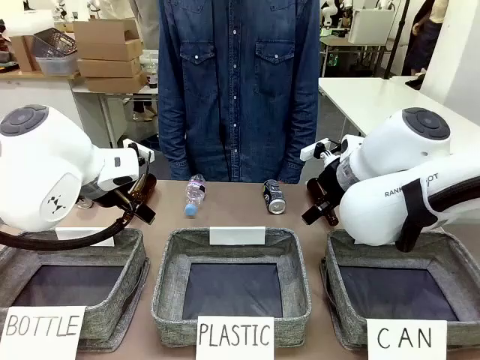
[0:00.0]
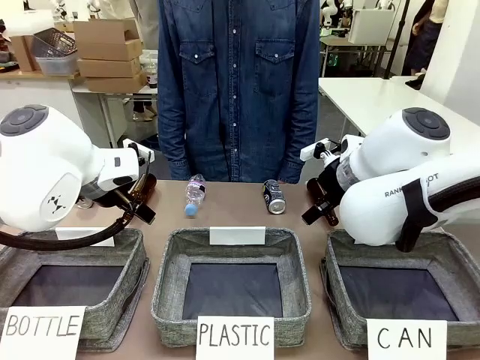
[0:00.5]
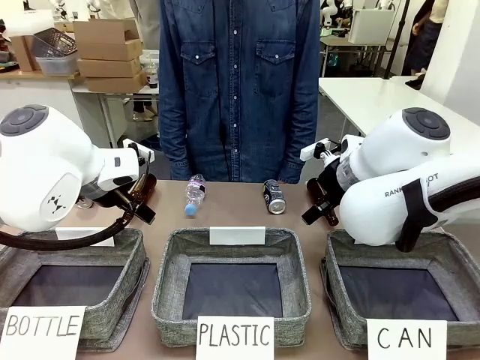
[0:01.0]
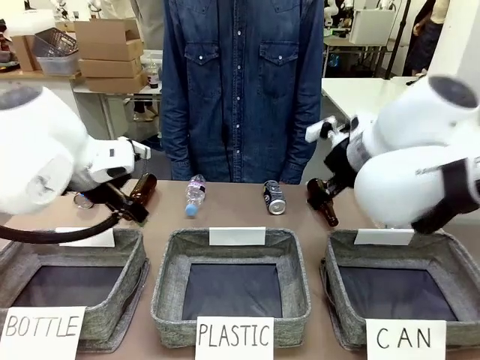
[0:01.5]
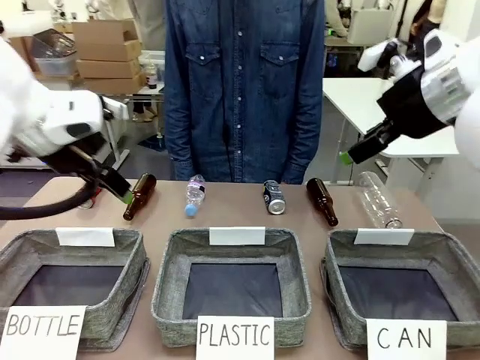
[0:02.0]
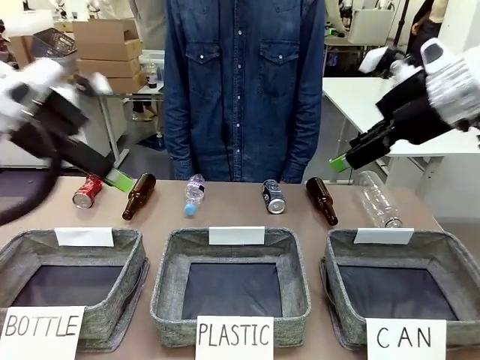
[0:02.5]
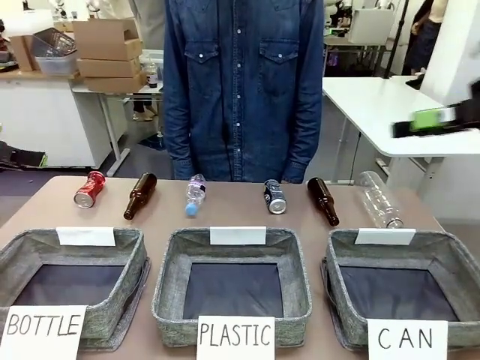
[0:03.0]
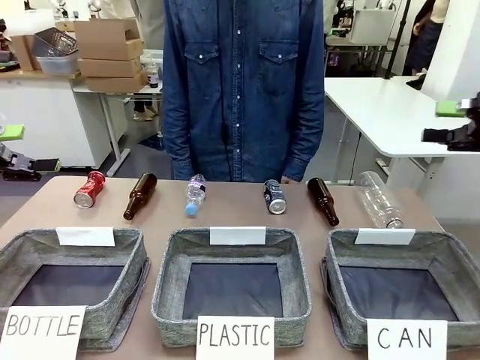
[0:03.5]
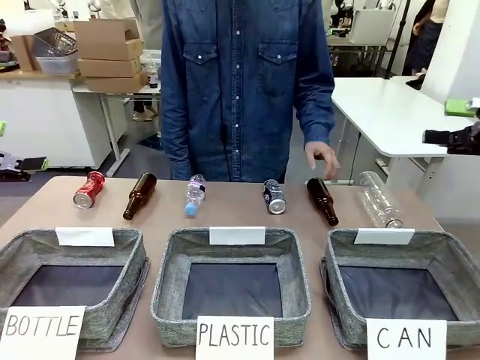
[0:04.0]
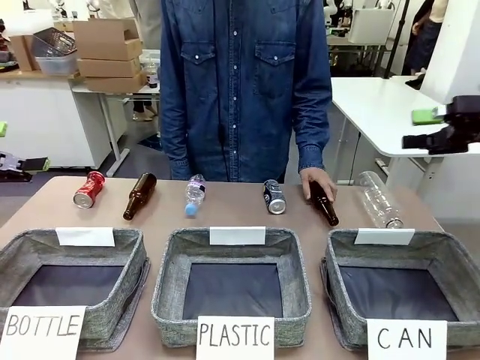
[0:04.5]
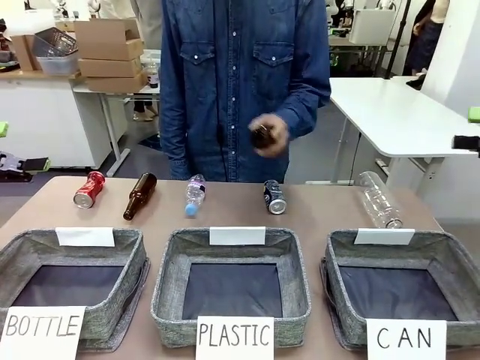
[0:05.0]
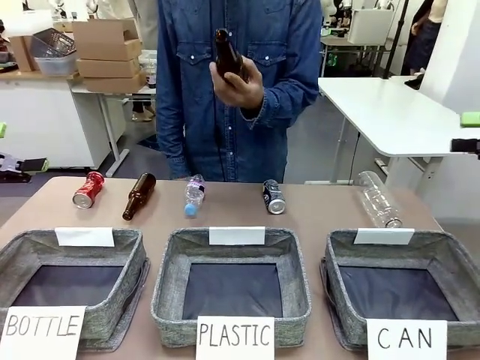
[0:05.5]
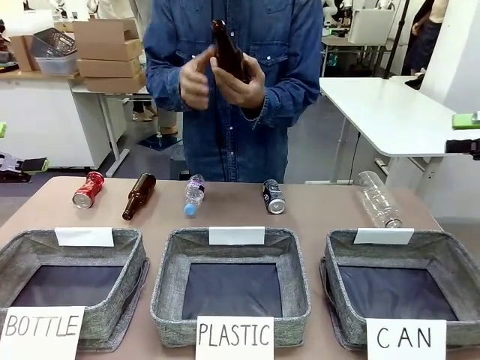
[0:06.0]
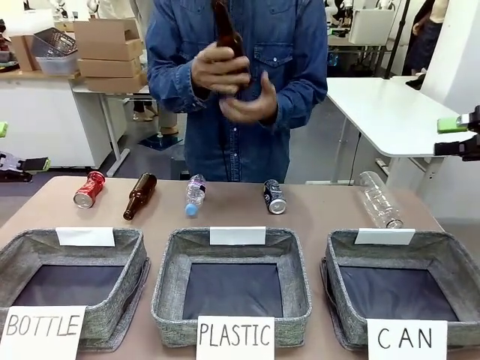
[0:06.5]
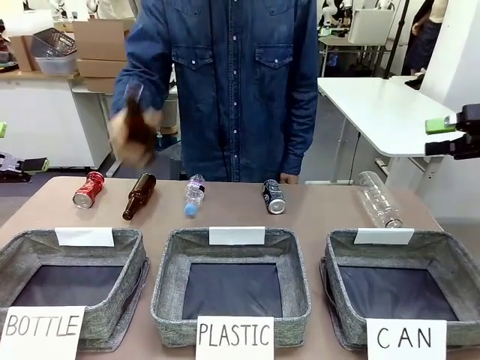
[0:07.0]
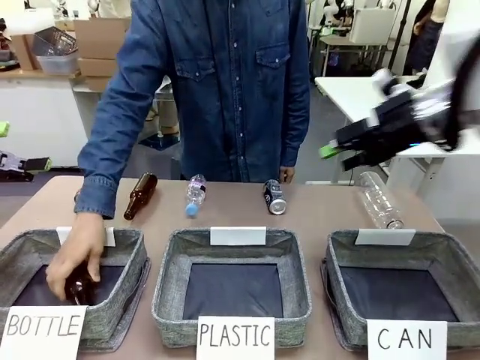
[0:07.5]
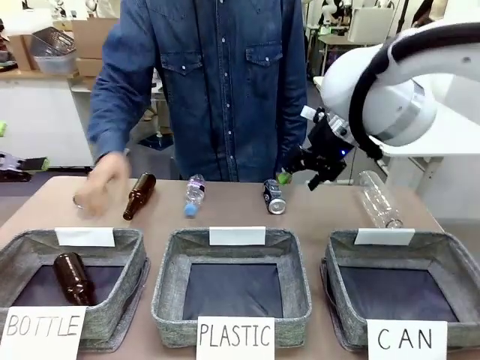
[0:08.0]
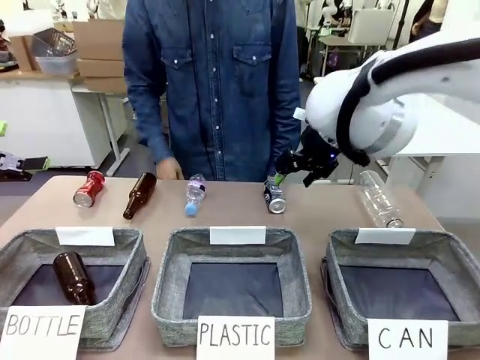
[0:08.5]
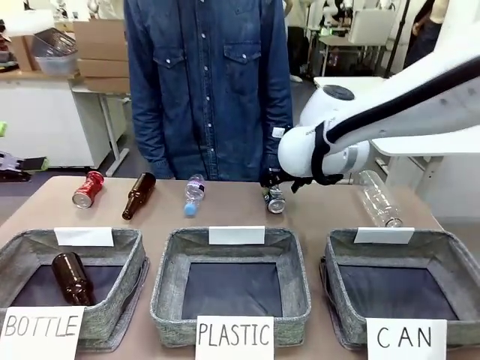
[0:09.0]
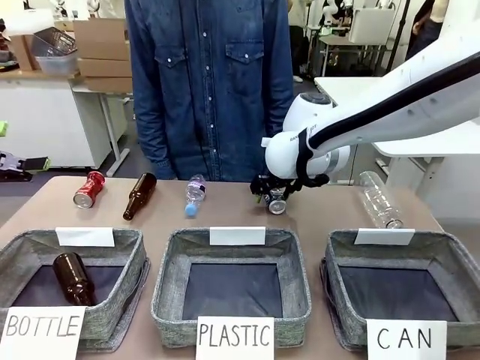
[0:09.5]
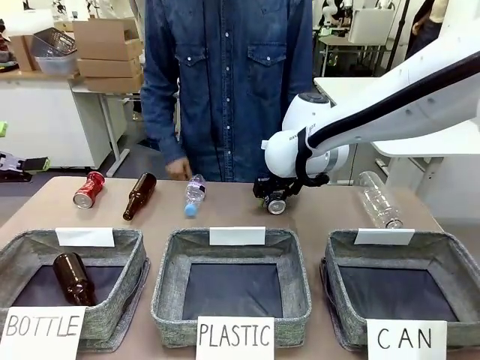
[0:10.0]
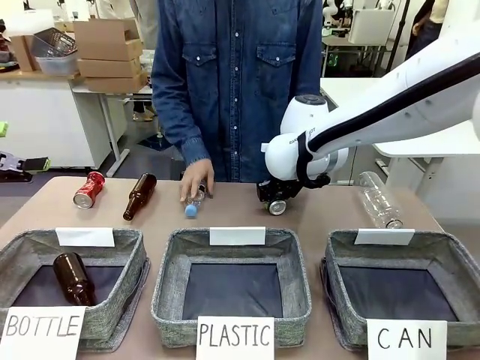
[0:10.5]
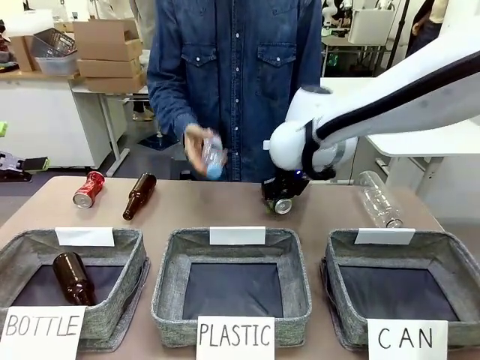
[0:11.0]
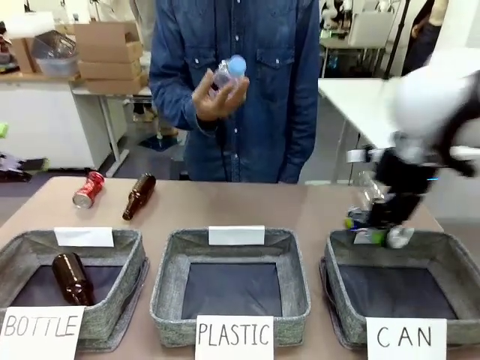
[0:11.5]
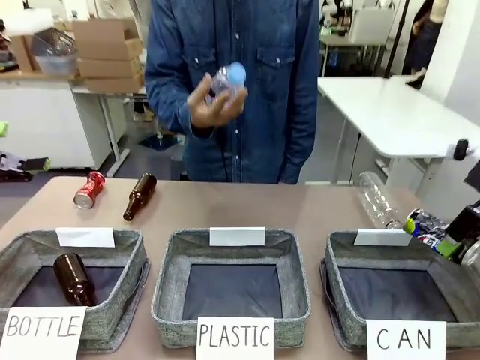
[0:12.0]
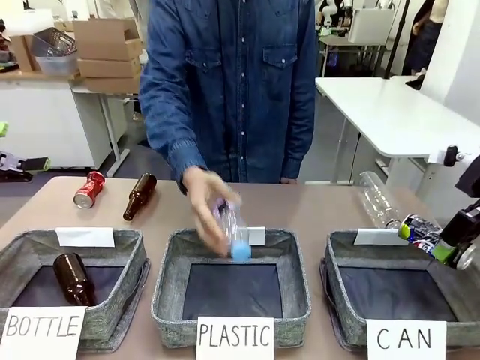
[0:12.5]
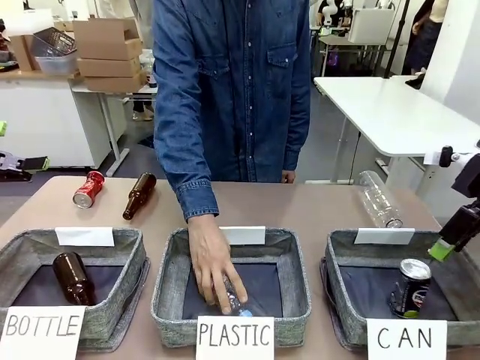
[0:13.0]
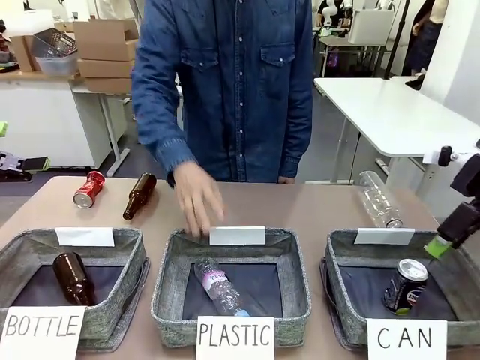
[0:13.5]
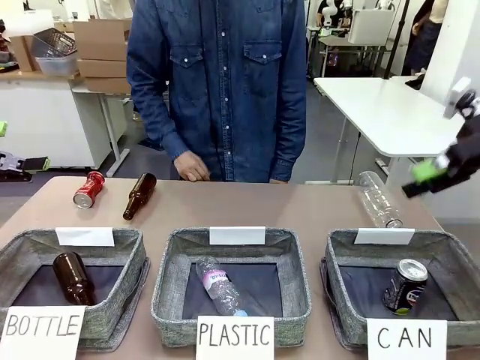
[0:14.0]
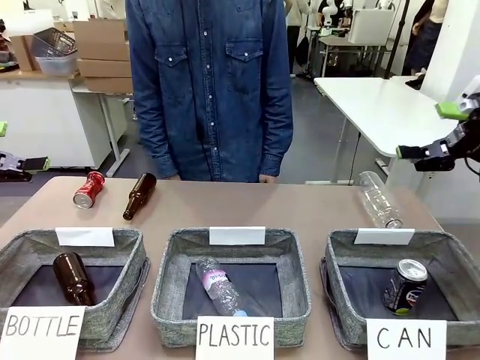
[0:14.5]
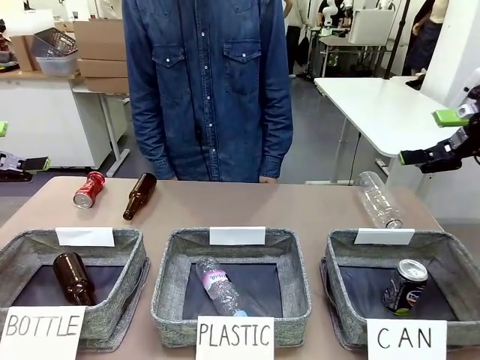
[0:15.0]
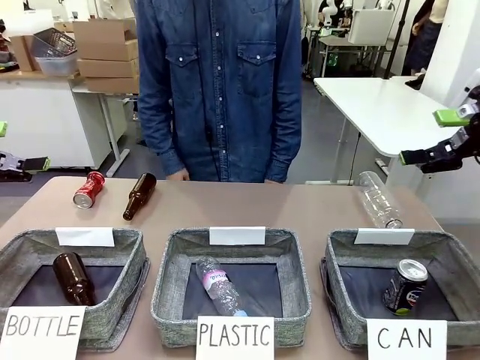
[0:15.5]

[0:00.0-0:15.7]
Task: Sort the can waste into the basket.
Robot: Pick up the can waste from the table and place it in the right Fabric basket.

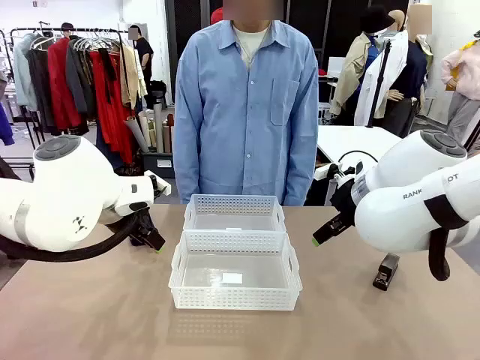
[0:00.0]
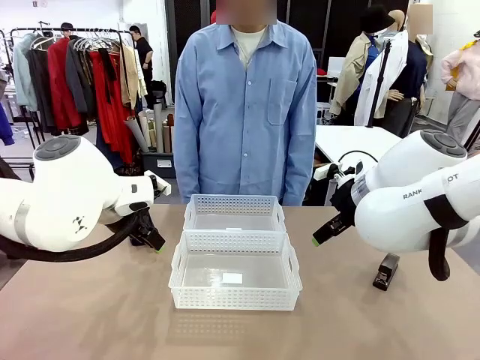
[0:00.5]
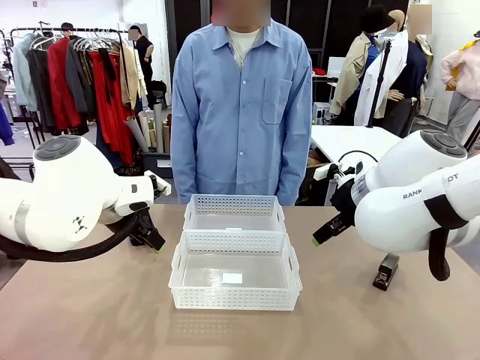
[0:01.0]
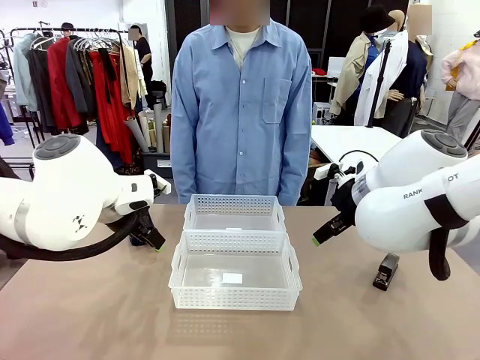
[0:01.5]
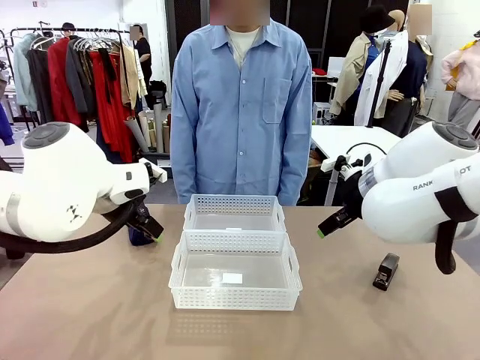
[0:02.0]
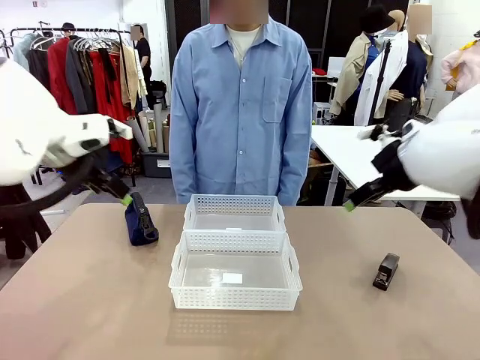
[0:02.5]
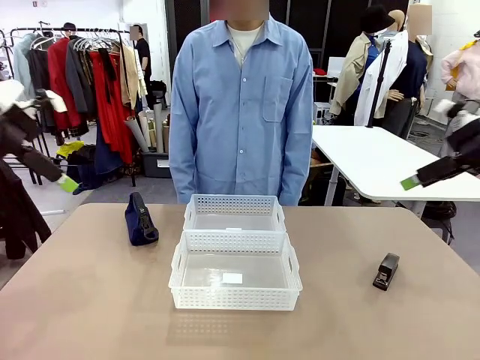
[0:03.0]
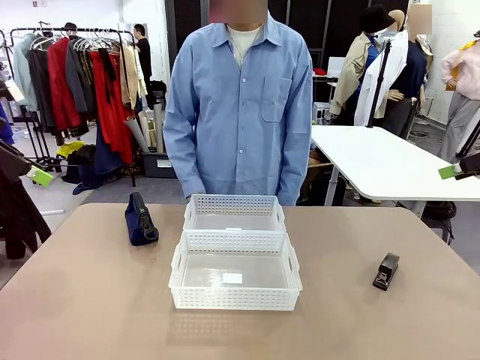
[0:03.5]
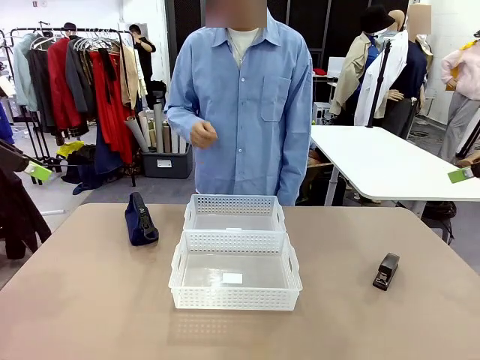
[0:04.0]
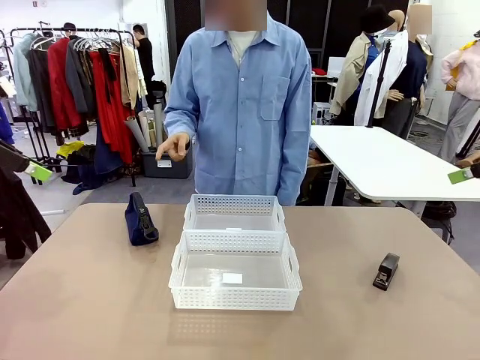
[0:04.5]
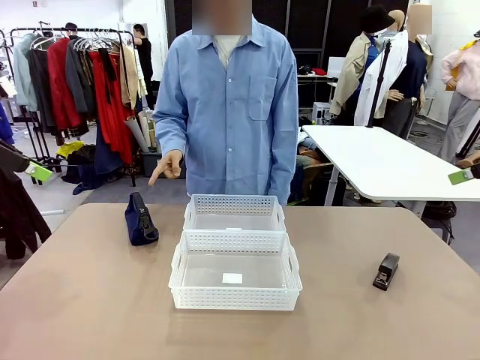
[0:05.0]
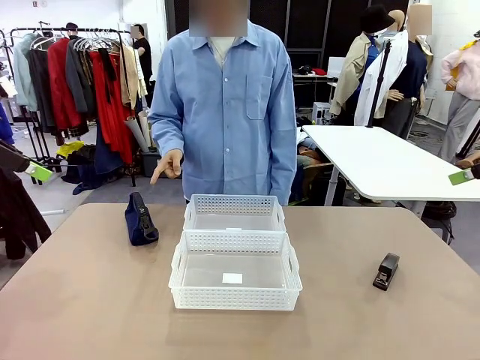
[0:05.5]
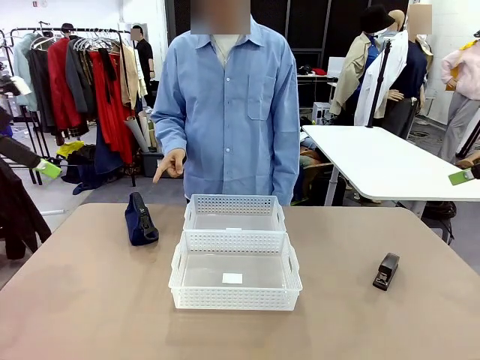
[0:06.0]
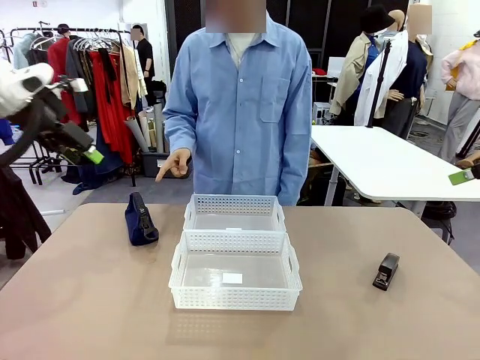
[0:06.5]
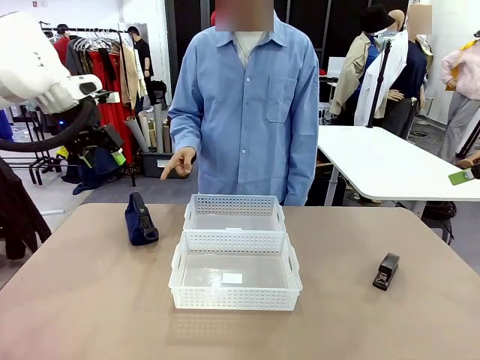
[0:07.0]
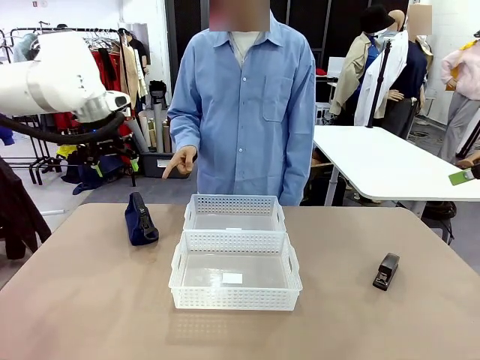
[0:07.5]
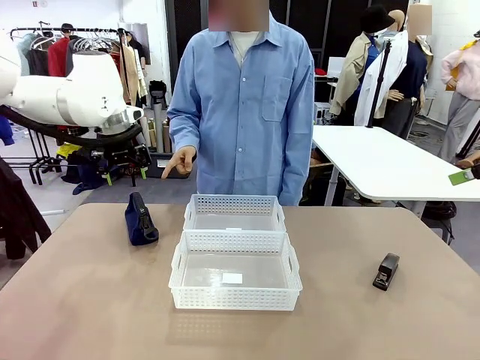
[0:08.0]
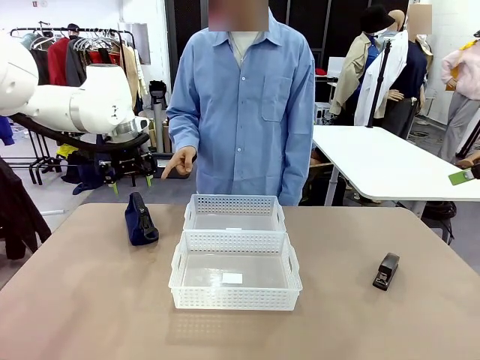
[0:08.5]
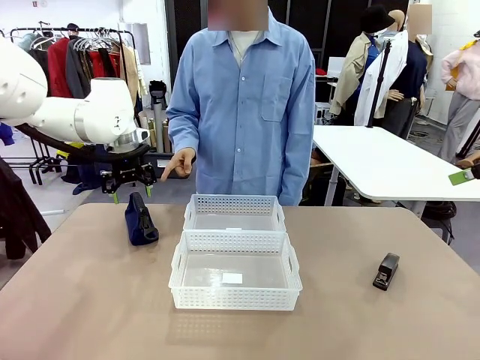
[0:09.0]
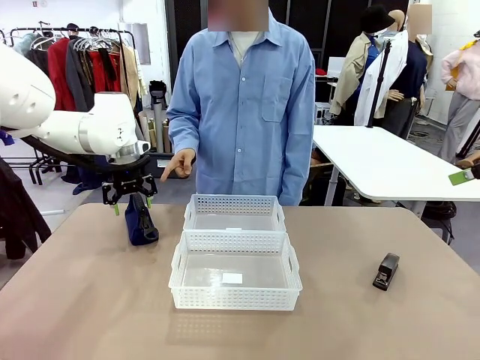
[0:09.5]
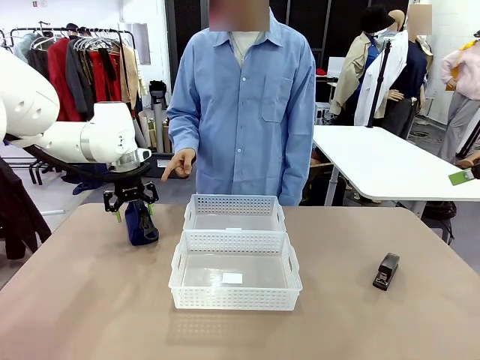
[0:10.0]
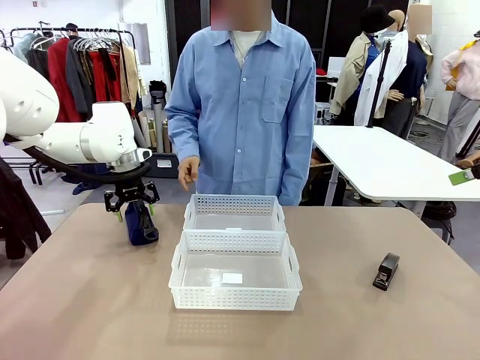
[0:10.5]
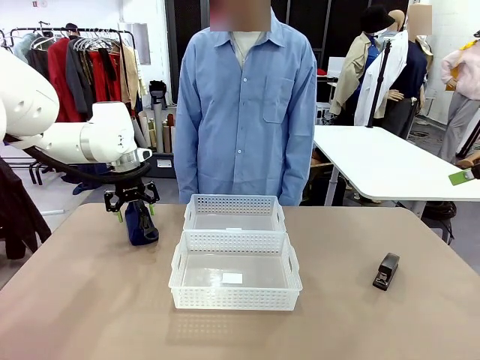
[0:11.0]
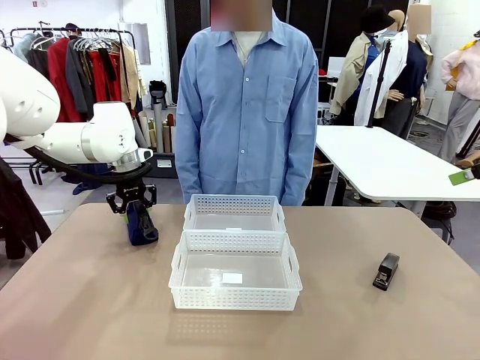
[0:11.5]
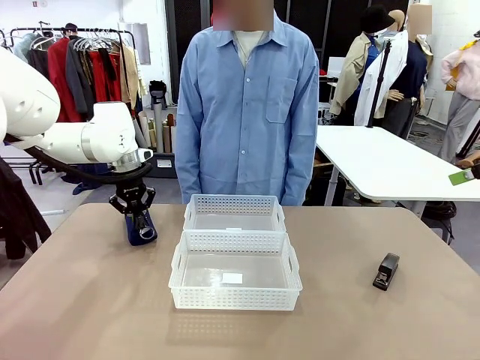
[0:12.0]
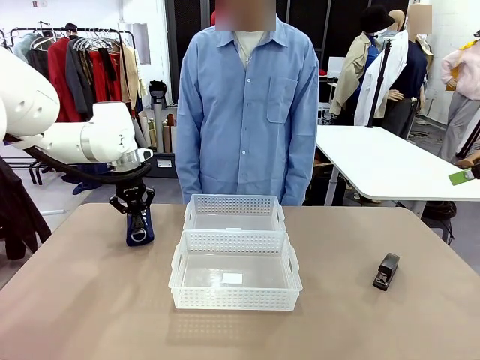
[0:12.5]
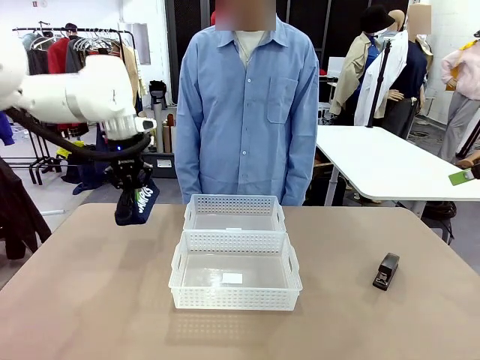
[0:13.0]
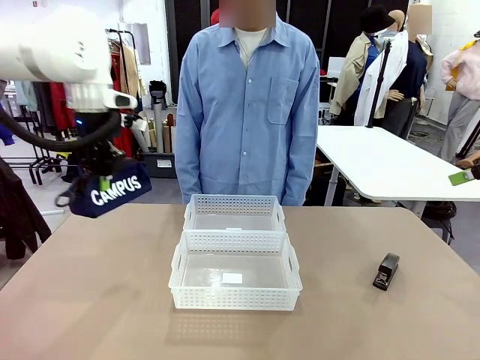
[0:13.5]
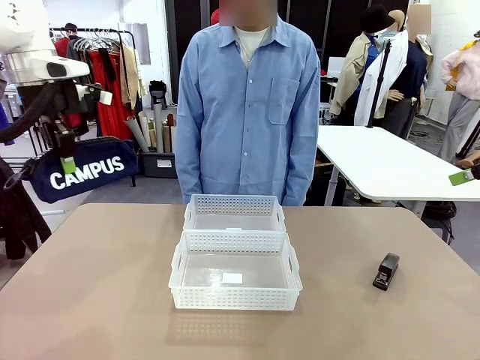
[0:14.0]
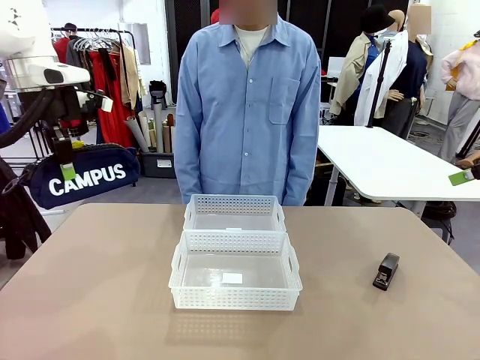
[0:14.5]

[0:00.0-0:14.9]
Task: Distribute items into two baskets.
Robot: Pick up the Pencil pouch that the person points to.
Person: Points to the pencil case. Points between the two organizing baskets and instructs the robot to move the pencil case.
